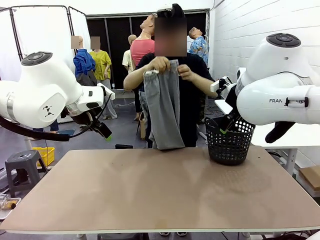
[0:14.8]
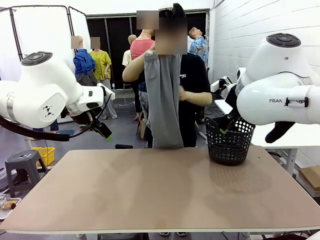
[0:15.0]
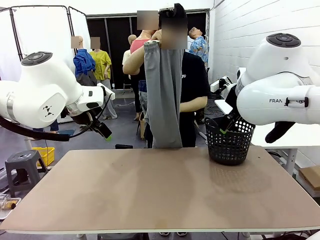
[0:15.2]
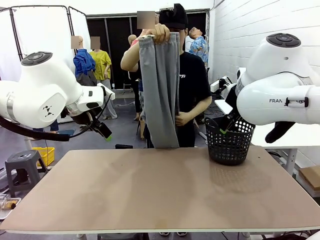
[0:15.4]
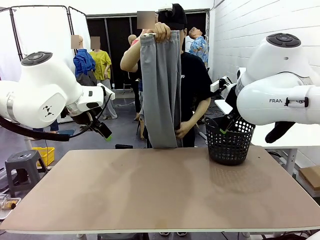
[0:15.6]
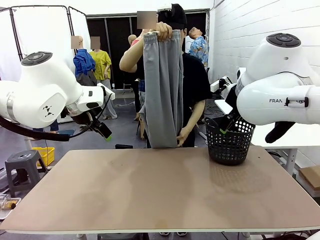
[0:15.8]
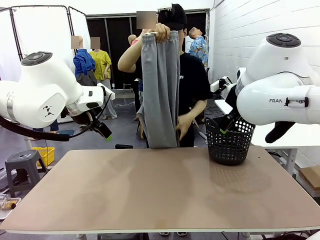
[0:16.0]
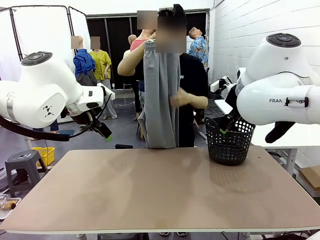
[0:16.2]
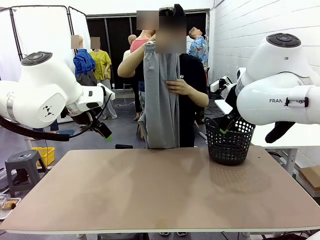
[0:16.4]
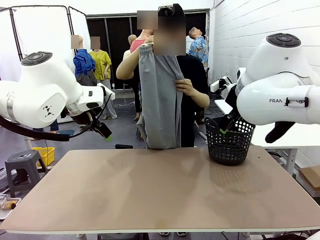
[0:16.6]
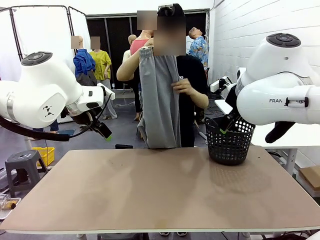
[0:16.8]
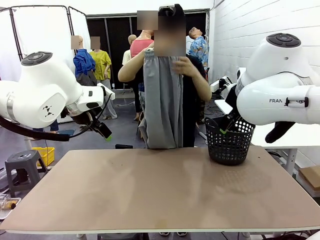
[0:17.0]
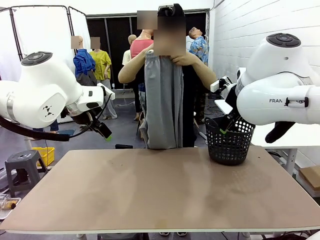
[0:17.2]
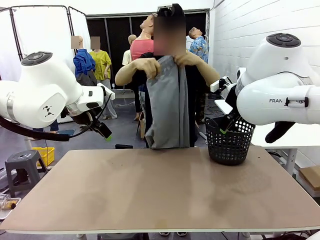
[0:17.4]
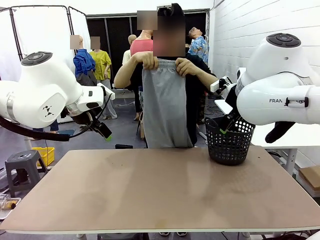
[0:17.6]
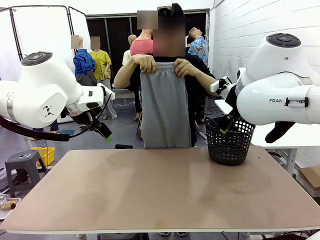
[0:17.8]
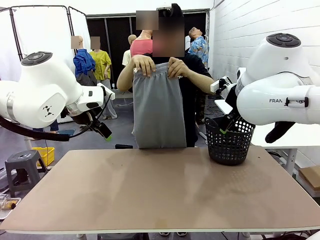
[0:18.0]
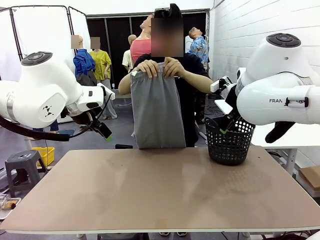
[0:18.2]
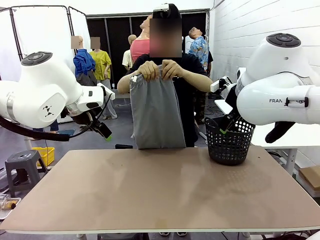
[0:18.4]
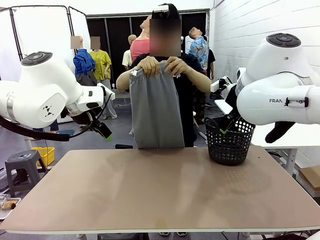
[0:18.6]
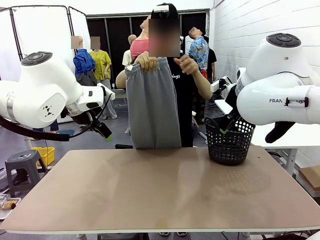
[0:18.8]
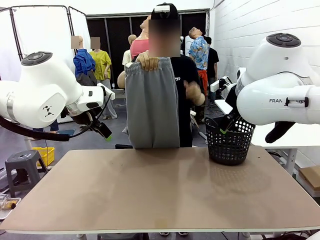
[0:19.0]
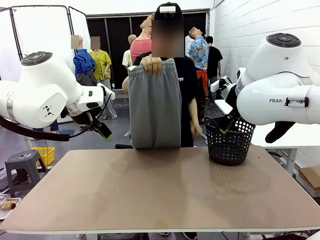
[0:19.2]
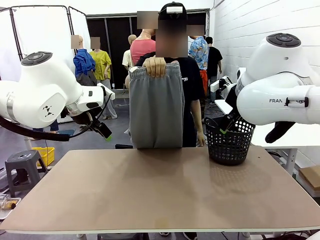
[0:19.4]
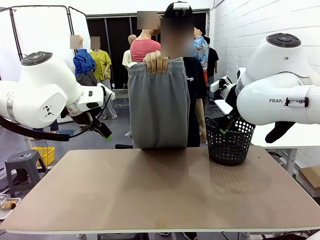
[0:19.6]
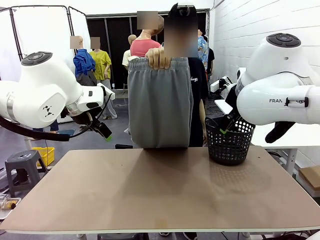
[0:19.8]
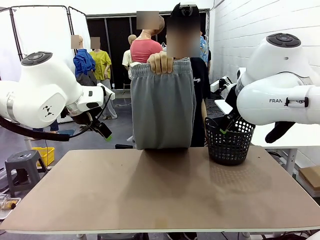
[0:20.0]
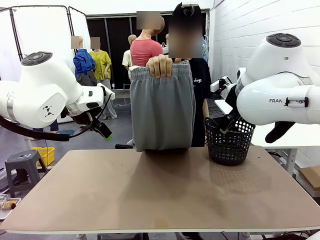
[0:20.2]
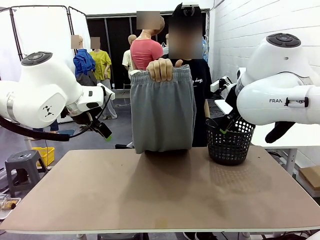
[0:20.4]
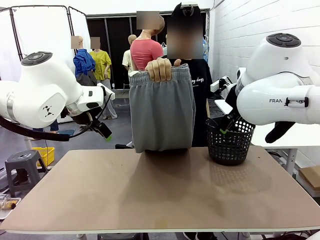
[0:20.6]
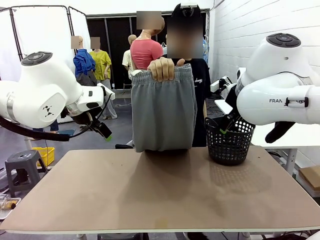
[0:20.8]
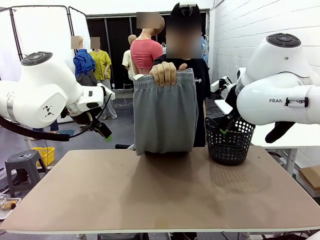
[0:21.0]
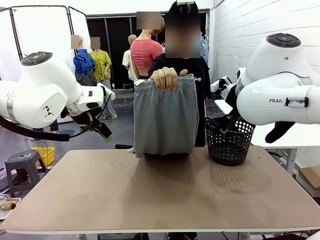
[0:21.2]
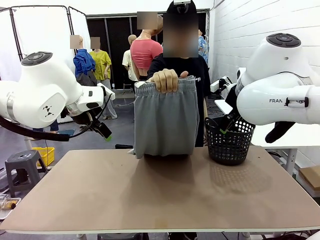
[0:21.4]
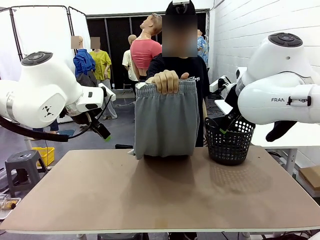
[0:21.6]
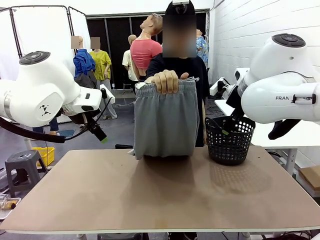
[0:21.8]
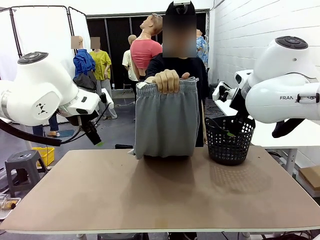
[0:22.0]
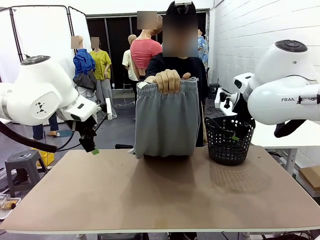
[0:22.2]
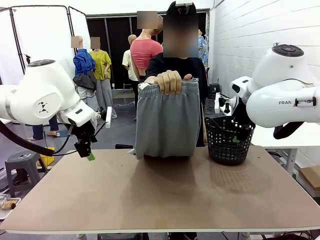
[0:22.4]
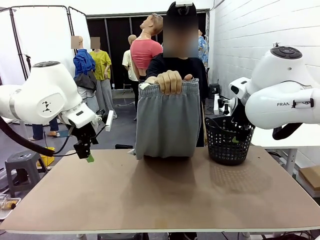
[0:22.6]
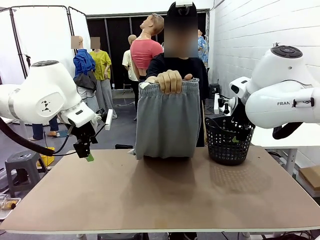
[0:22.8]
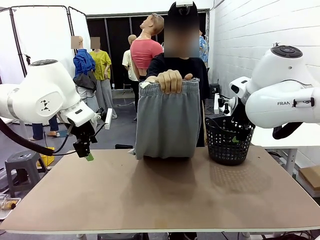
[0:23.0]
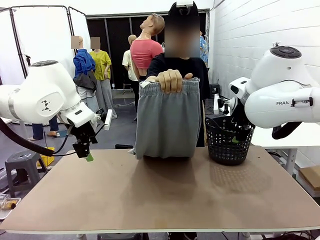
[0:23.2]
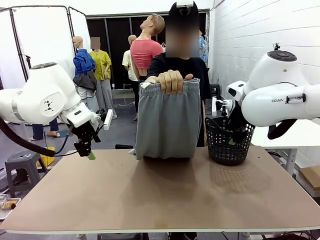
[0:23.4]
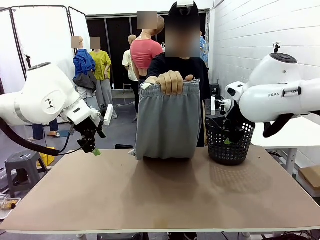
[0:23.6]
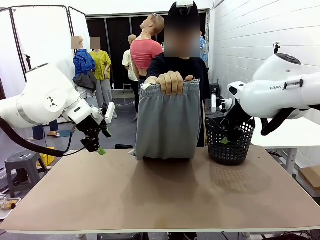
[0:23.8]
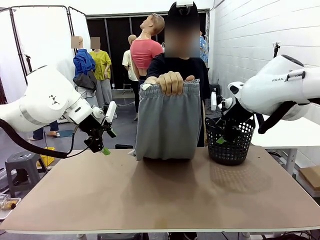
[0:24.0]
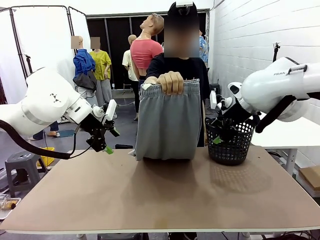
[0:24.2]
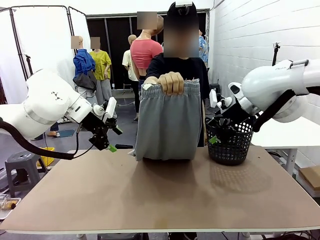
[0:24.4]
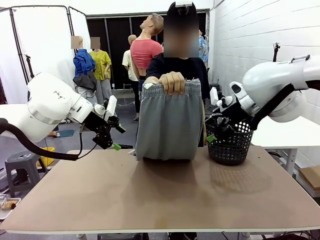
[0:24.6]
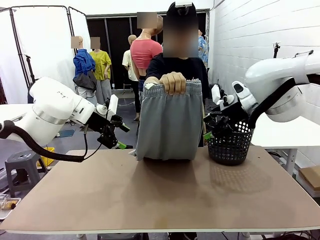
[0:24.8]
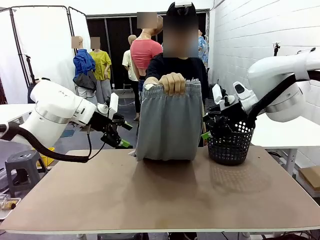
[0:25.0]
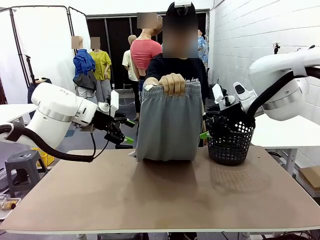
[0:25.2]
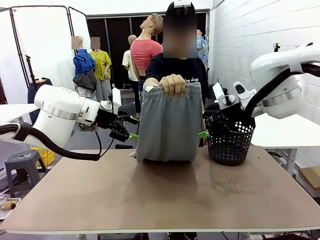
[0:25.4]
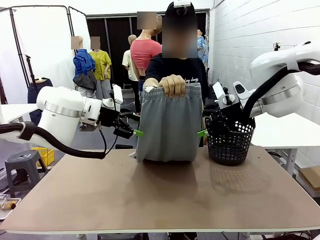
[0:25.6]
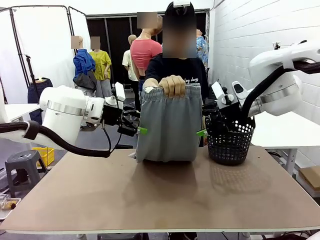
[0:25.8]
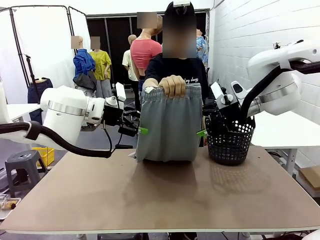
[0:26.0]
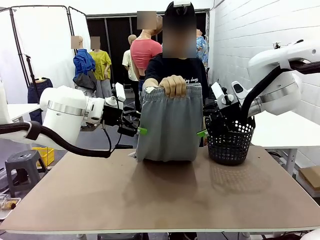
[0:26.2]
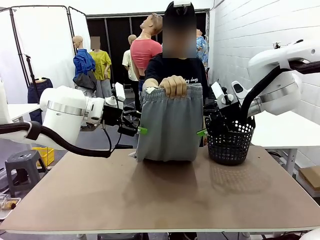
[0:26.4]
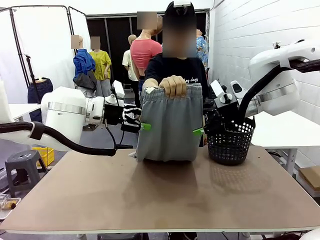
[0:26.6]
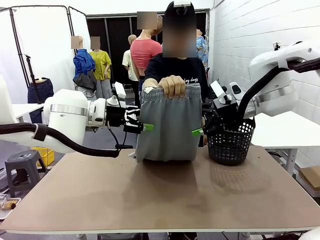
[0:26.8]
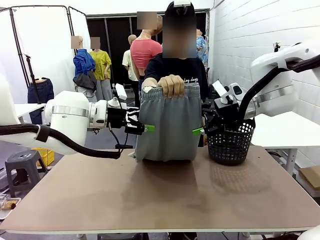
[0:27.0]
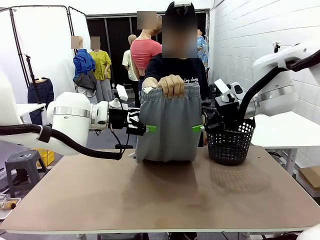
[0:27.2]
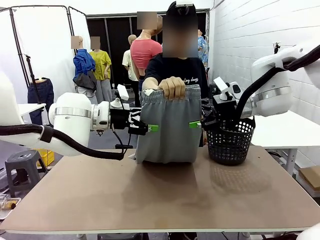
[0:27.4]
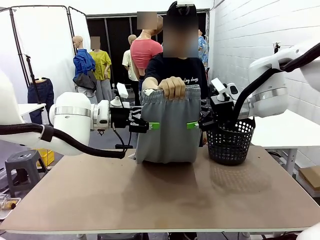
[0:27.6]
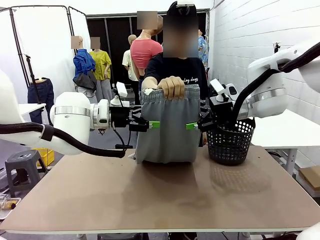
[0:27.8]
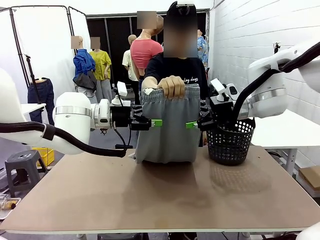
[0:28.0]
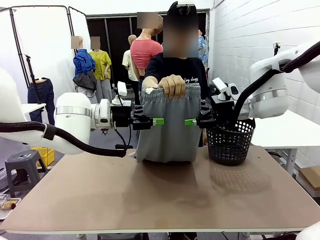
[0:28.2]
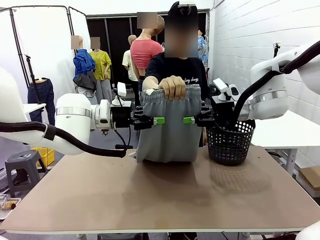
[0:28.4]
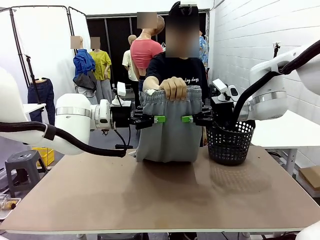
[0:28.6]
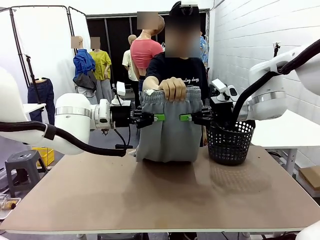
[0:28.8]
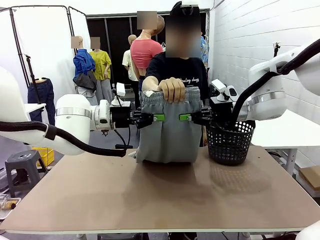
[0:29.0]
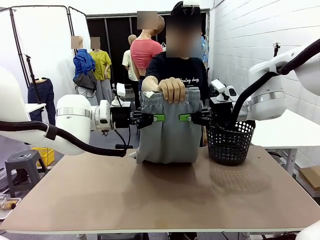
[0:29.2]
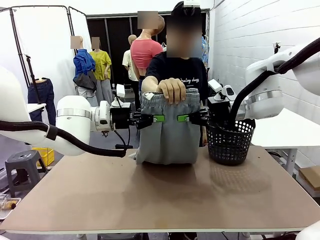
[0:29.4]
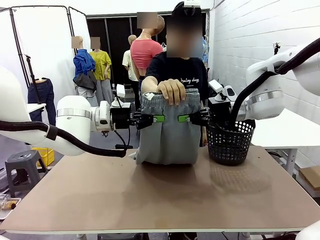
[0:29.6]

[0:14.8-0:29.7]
Task: Fold the training pants.
Robot: Grab both ends of the Training pants handed by a person.
